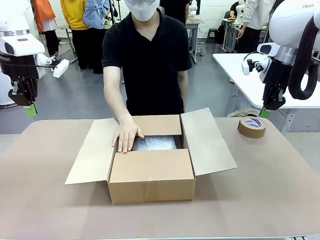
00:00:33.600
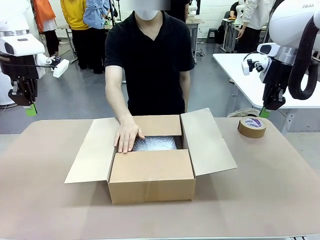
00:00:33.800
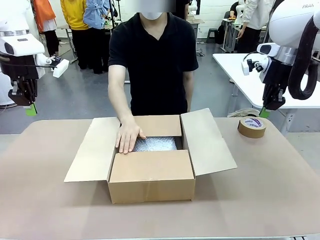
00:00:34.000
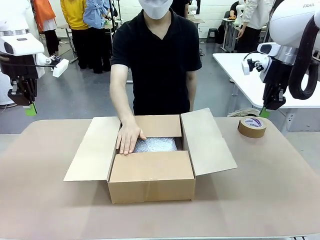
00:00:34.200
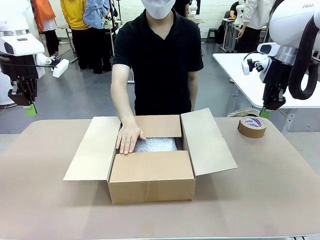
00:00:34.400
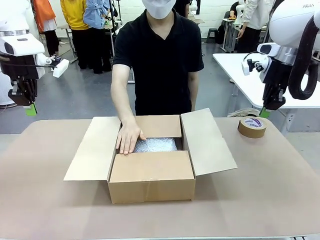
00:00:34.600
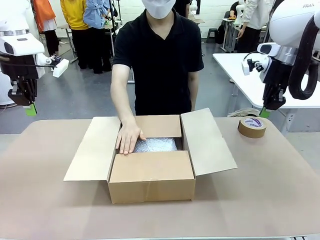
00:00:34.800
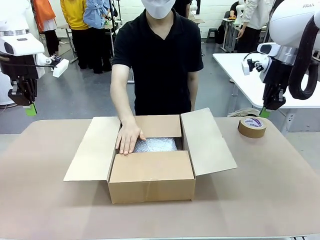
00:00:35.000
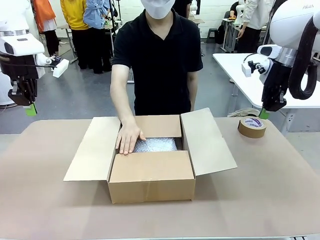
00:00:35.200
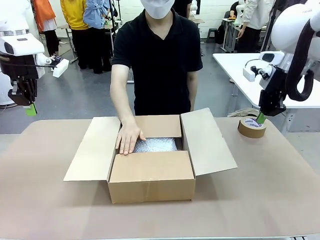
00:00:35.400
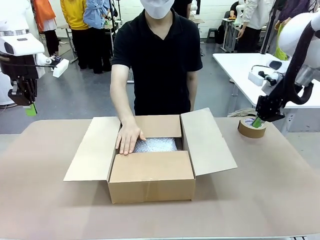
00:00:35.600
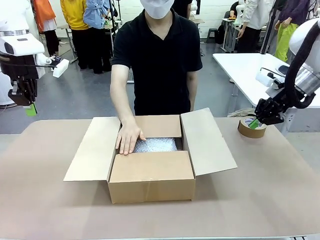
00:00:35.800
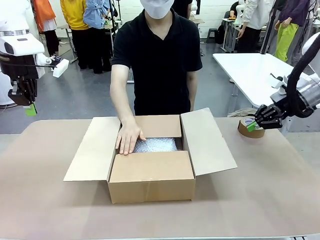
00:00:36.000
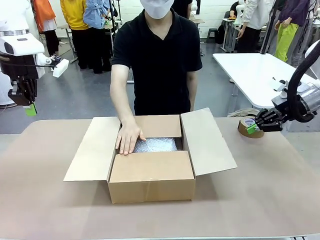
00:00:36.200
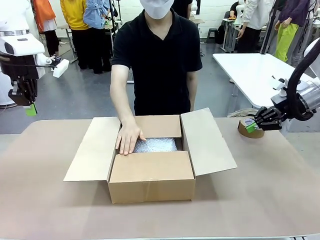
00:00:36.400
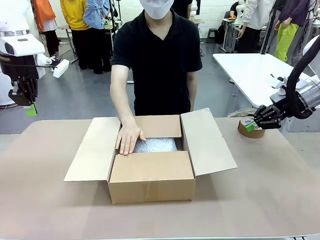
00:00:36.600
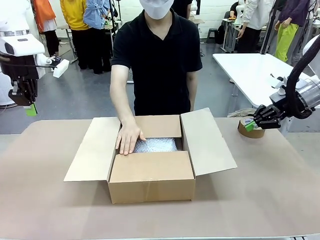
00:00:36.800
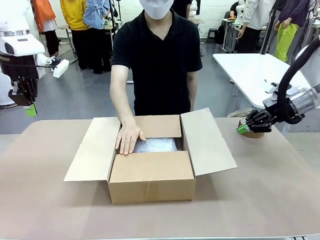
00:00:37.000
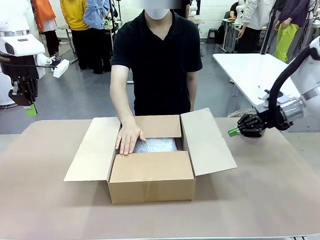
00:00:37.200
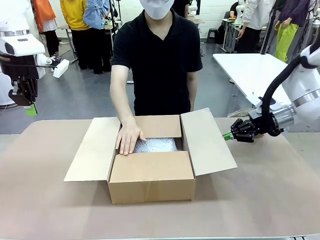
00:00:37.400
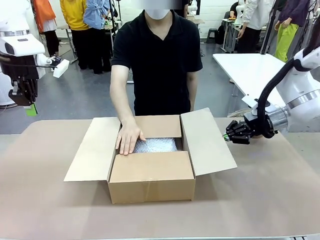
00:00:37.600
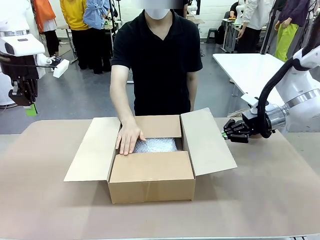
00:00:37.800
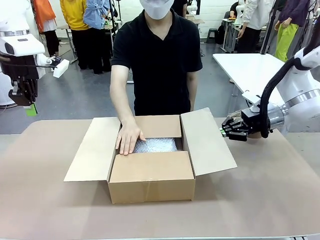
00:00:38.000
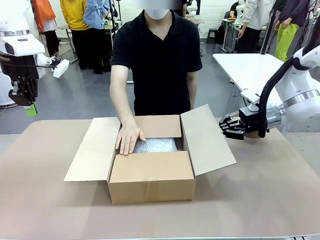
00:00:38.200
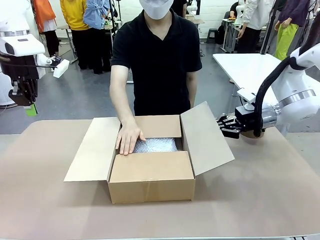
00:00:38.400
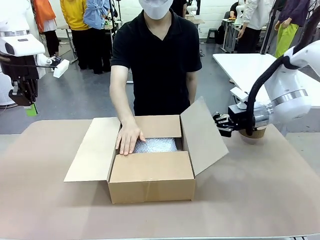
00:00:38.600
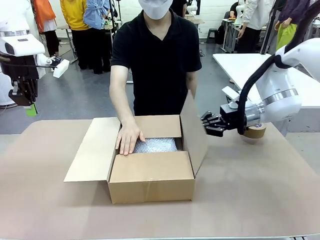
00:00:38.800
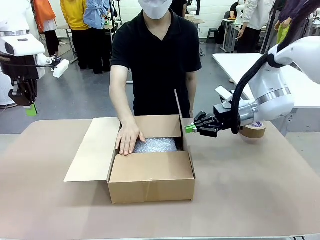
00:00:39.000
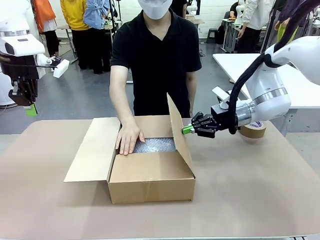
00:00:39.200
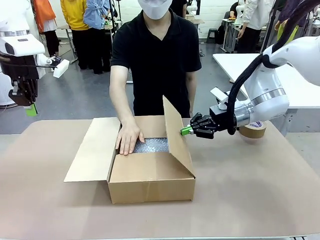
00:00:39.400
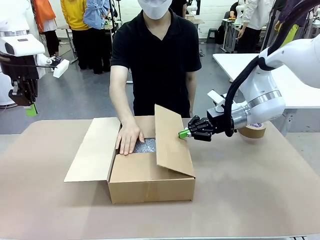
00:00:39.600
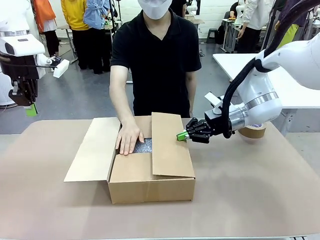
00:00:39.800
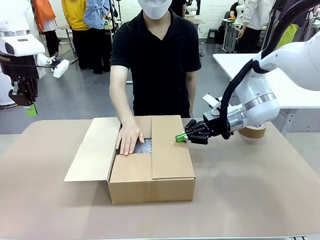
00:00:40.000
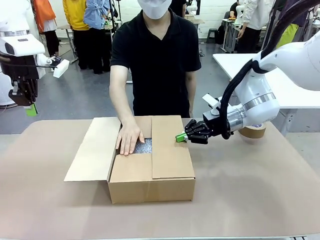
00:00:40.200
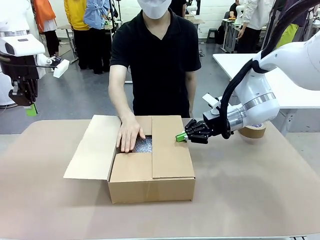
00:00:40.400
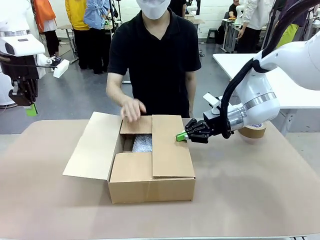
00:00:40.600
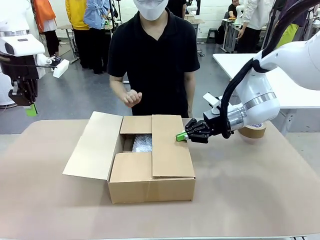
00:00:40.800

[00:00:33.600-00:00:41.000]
Task: Wrap the clocks to prevent damage.
Robot: Push the right (or left) flap of the Package Box to close it.
Person: Once the robot closes the right flap of the Package Box , release your left hand from the box.

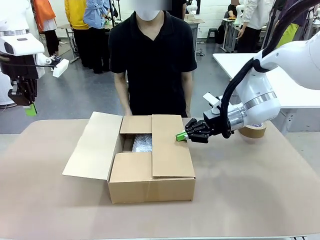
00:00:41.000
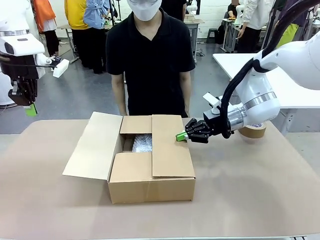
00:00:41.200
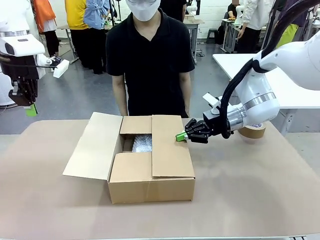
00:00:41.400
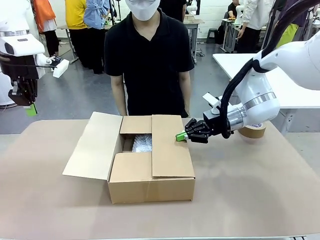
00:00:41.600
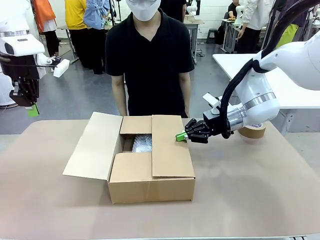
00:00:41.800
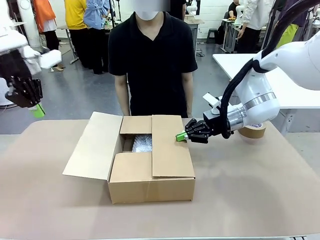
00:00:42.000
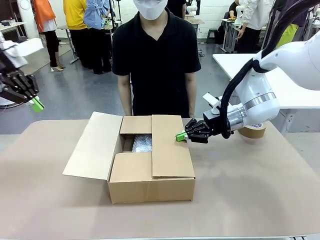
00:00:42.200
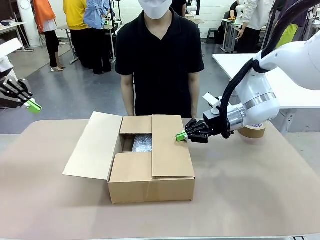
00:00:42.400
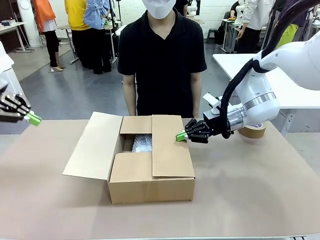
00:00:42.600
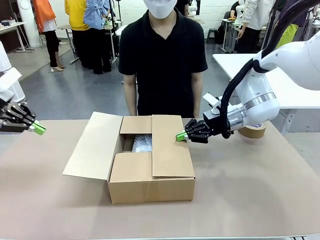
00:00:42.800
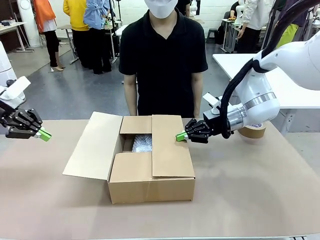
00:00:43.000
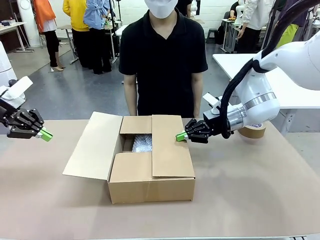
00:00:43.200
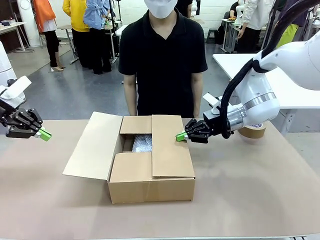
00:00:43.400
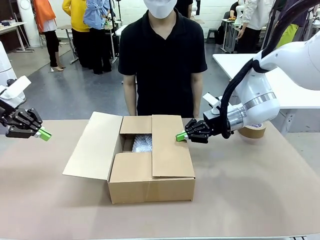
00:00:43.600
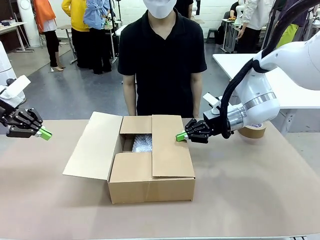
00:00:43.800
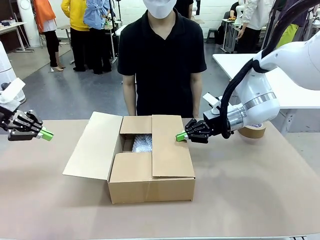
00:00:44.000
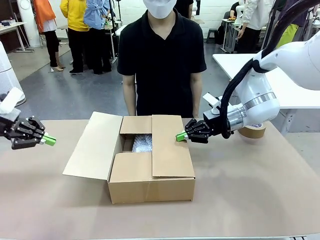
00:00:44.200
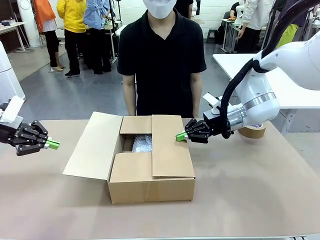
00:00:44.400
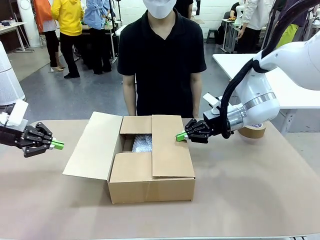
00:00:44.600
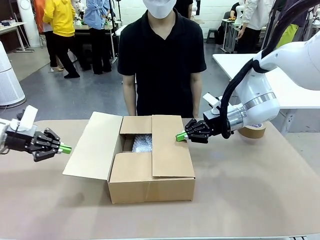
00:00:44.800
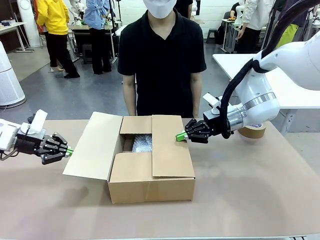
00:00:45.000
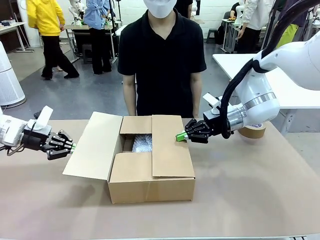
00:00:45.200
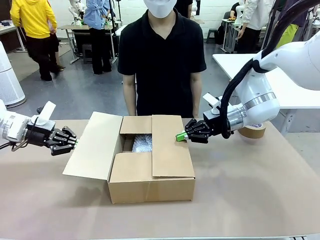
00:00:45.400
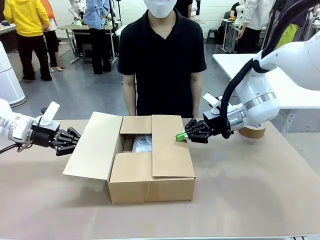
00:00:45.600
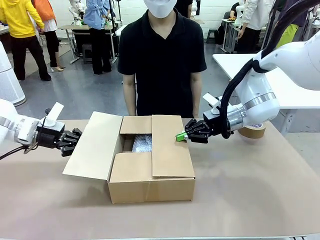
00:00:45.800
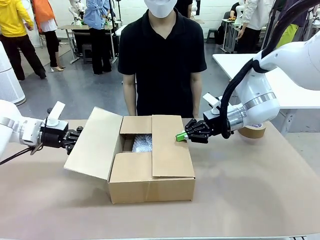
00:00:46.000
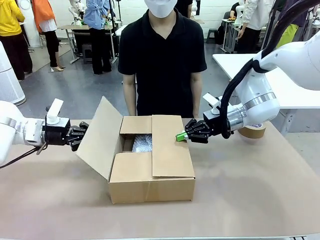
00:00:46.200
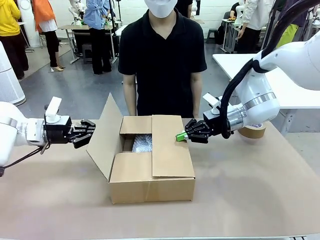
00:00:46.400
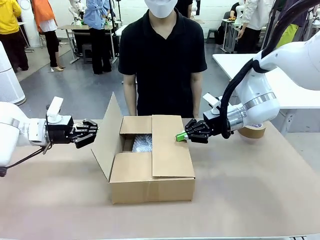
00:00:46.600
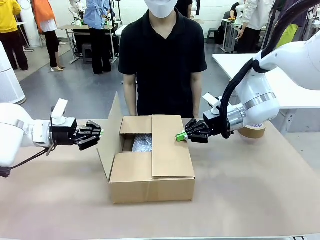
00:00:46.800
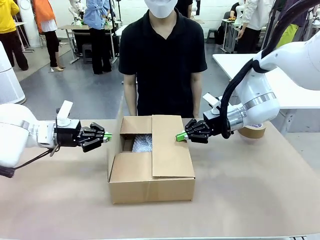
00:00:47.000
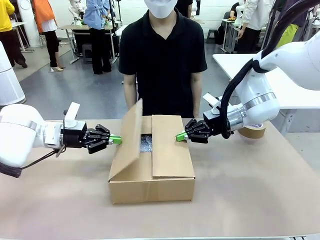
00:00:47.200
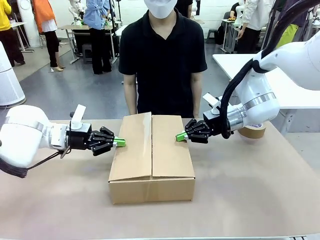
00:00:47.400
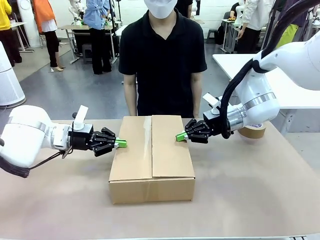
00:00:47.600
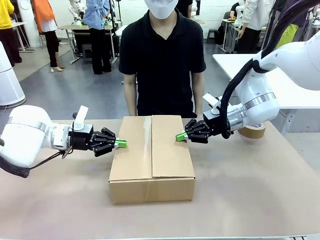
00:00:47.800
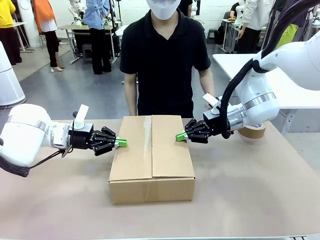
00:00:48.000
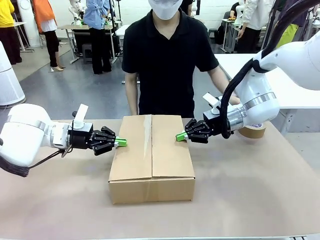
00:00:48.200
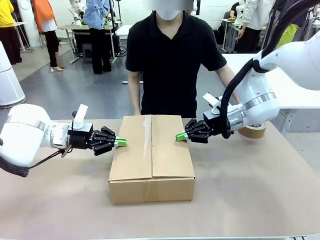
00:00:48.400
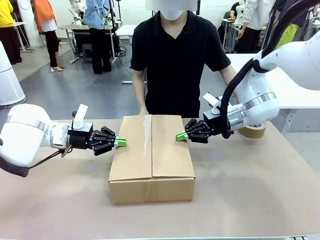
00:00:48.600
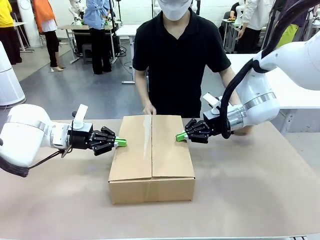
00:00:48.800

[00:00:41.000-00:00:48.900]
Robot: Push the left (or right) flap of the Package Box to close it.
